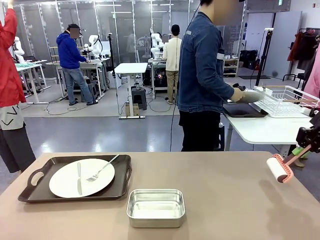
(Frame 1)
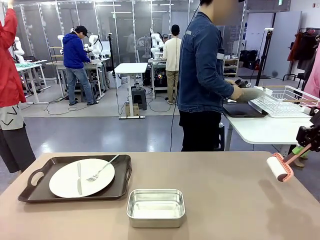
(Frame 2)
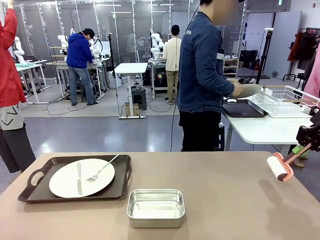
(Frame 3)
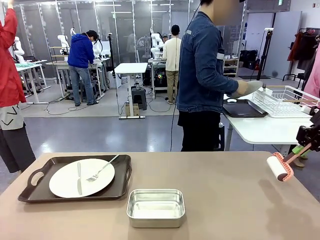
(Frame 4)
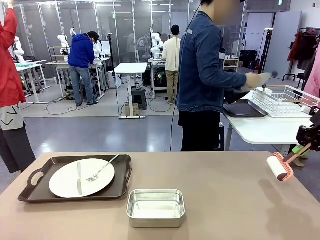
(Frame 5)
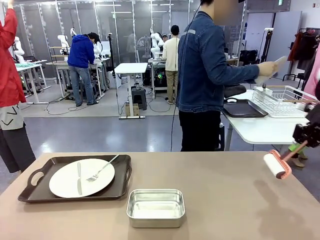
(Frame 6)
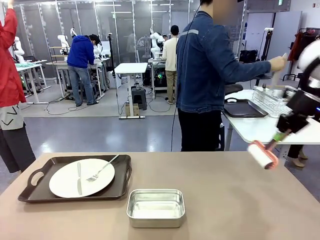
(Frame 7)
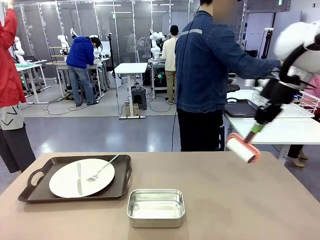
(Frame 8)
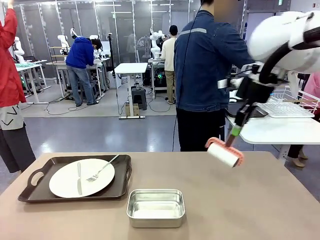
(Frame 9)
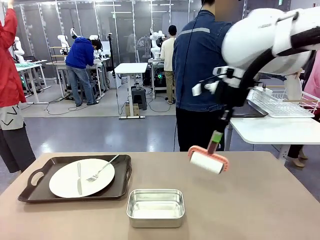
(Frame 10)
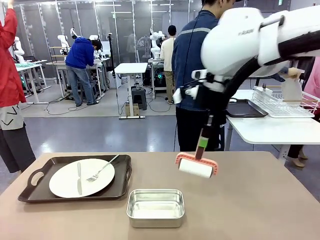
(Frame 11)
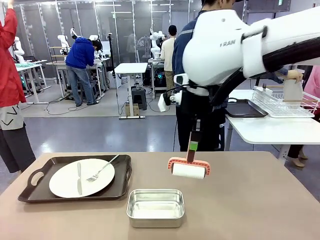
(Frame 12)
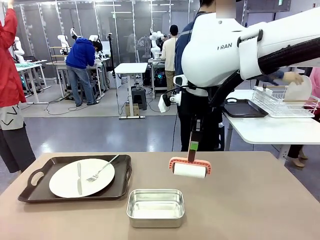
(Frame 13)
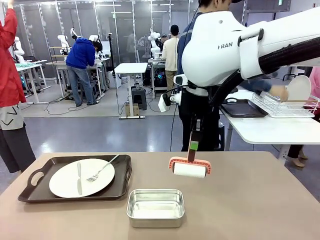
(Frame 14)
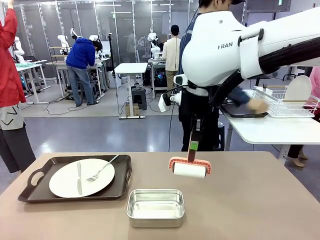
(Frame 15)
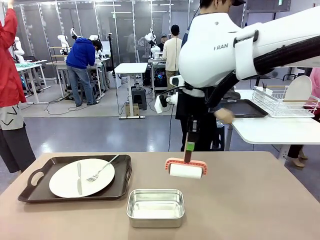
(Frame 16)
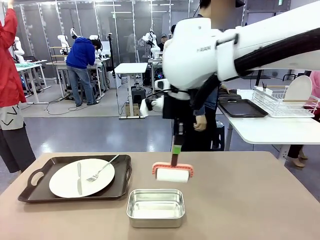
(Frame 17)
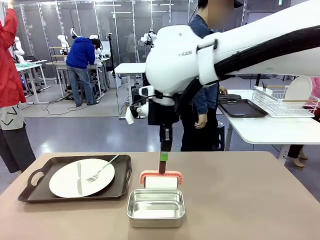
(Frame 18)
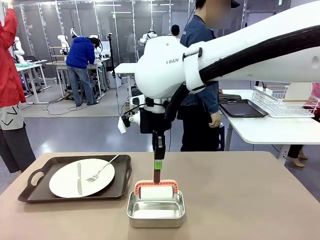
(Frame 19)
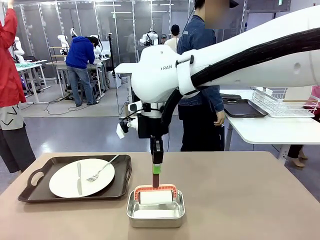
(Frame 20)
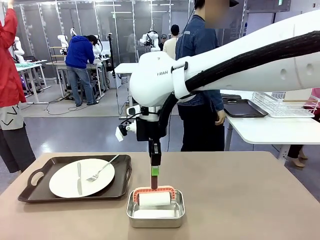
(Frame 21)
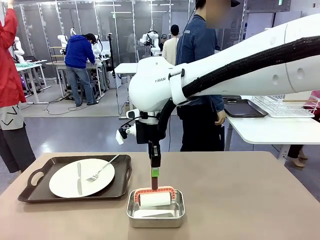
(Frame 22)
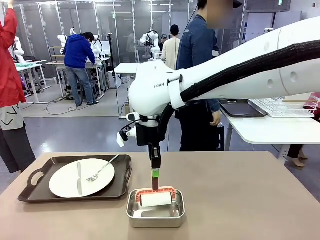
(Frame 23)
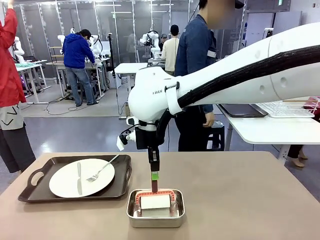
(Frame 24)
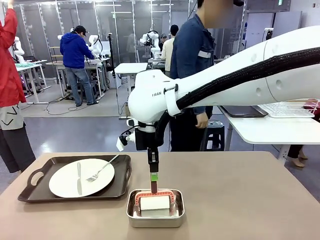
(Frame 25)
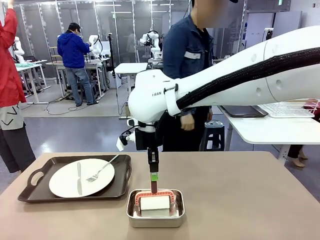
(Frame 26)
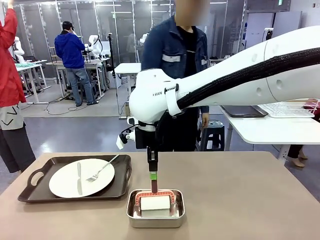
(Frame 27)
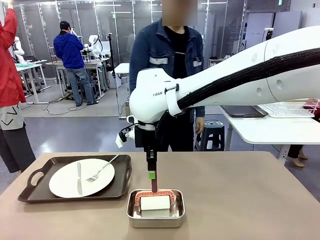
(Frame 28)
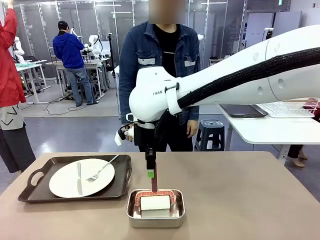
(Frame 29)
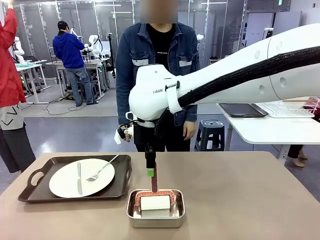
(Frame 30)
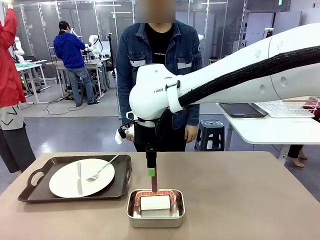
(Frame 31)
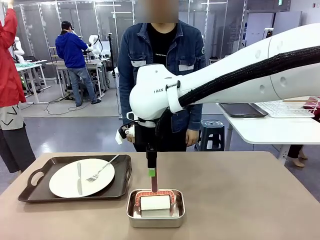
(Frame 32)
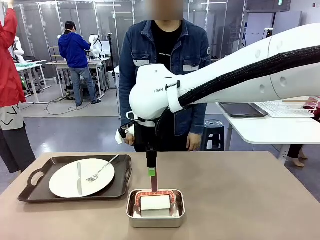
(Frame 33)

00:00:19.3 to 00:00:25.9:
Robot: Place the Lint Roller back on top of the Airtight Container.

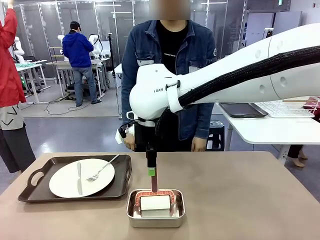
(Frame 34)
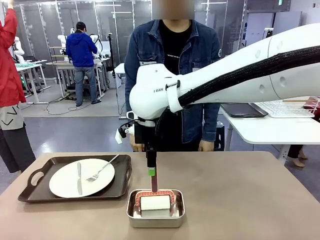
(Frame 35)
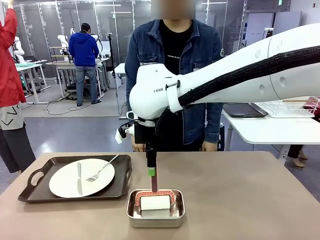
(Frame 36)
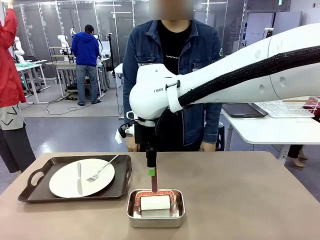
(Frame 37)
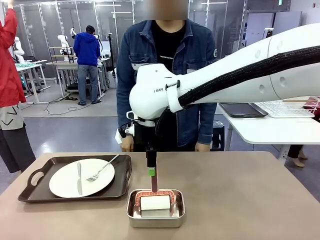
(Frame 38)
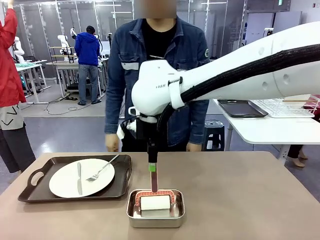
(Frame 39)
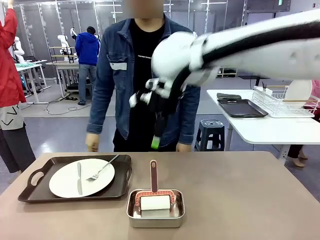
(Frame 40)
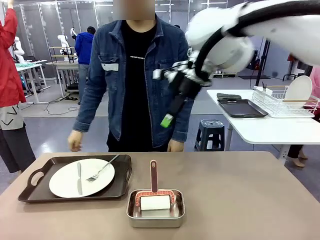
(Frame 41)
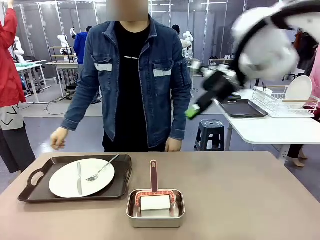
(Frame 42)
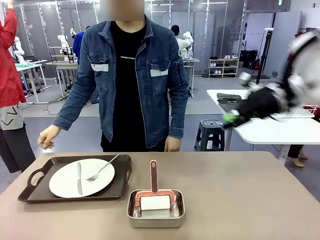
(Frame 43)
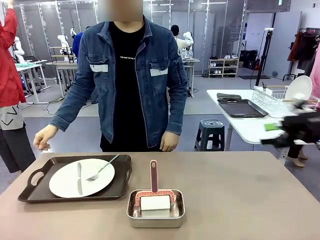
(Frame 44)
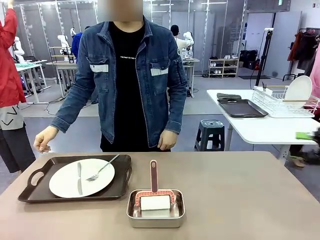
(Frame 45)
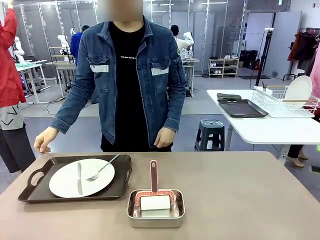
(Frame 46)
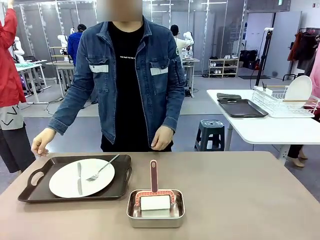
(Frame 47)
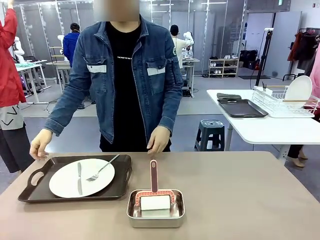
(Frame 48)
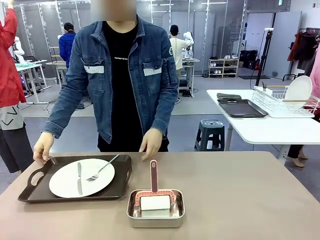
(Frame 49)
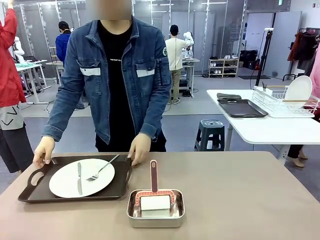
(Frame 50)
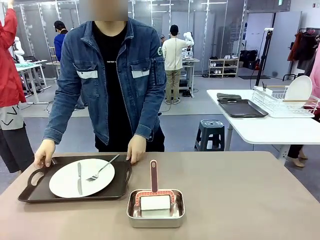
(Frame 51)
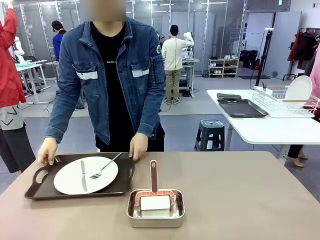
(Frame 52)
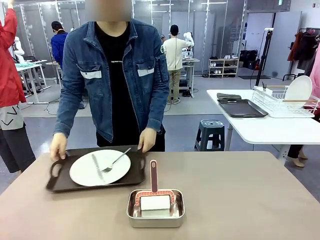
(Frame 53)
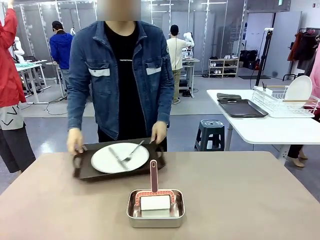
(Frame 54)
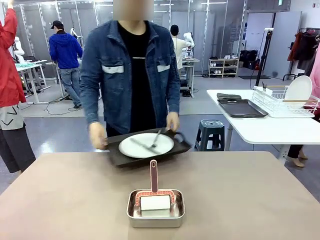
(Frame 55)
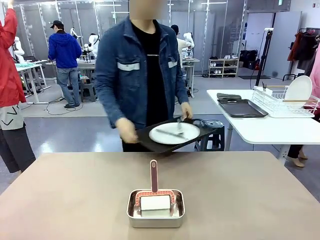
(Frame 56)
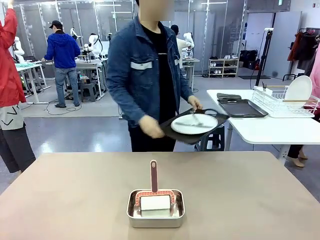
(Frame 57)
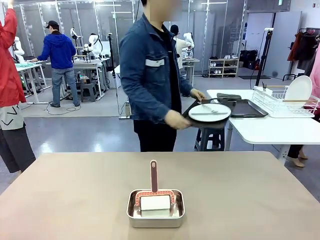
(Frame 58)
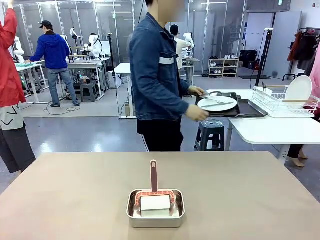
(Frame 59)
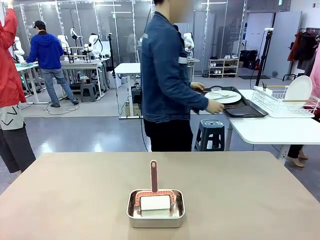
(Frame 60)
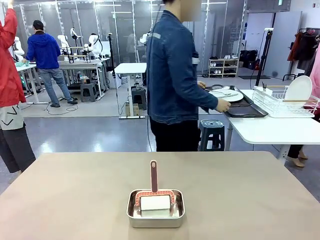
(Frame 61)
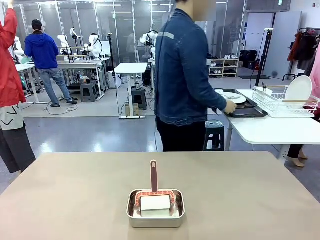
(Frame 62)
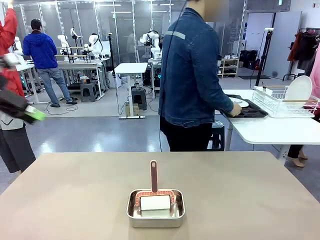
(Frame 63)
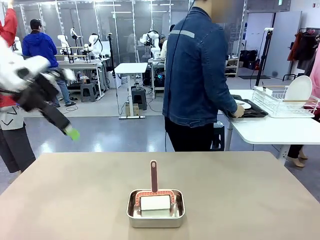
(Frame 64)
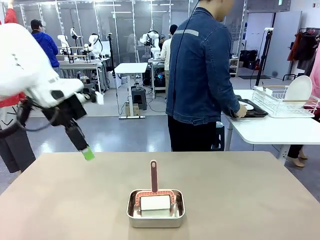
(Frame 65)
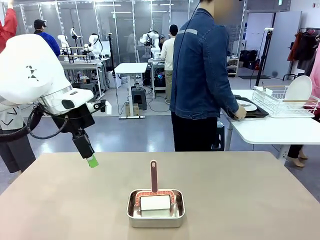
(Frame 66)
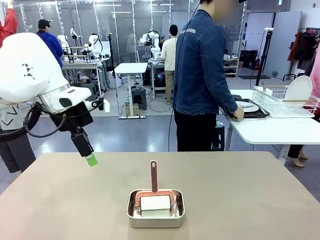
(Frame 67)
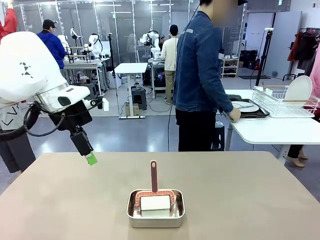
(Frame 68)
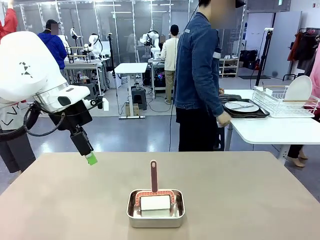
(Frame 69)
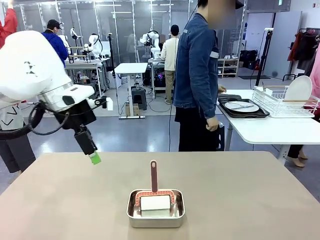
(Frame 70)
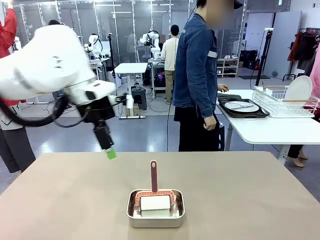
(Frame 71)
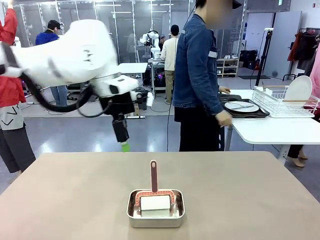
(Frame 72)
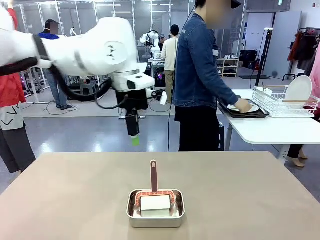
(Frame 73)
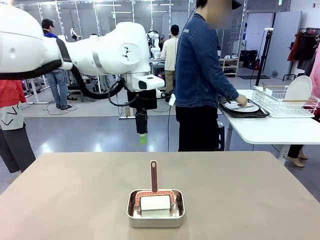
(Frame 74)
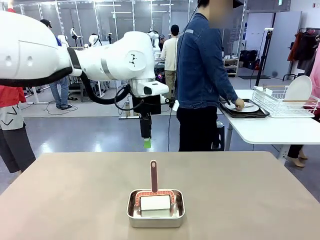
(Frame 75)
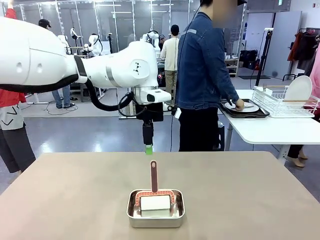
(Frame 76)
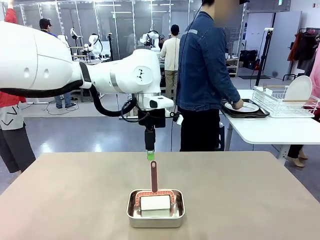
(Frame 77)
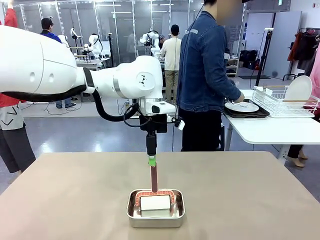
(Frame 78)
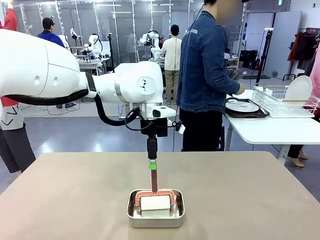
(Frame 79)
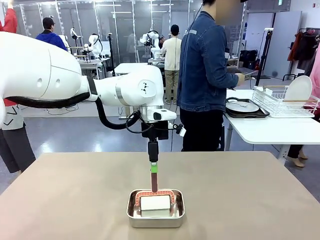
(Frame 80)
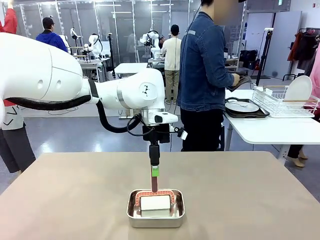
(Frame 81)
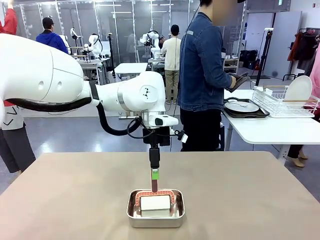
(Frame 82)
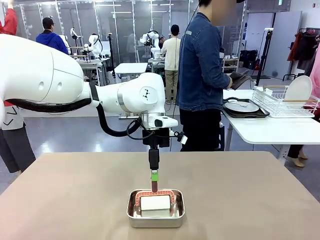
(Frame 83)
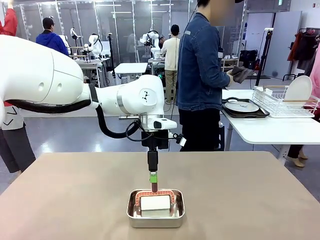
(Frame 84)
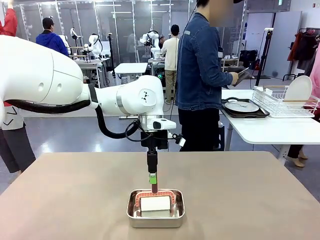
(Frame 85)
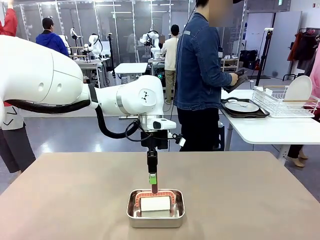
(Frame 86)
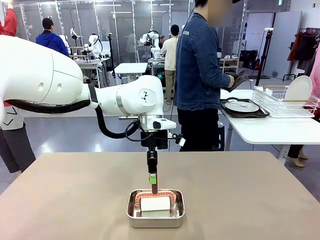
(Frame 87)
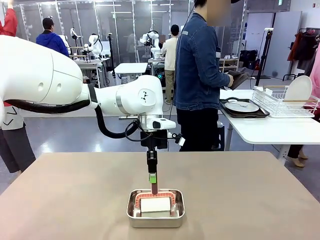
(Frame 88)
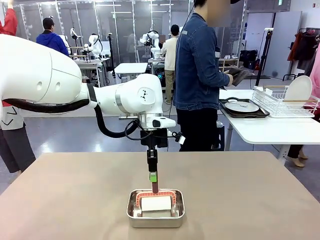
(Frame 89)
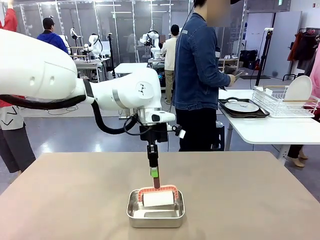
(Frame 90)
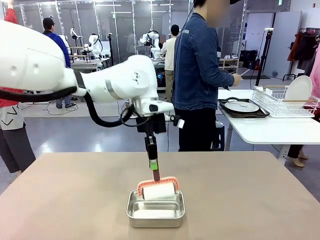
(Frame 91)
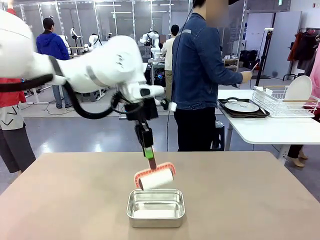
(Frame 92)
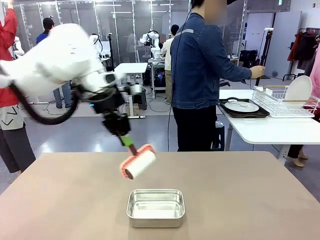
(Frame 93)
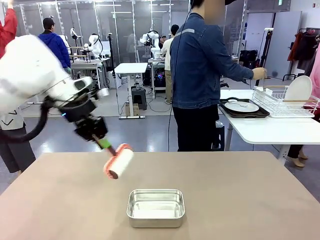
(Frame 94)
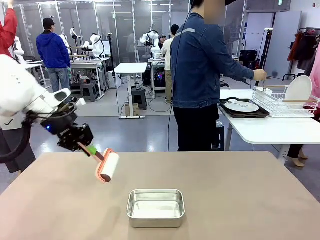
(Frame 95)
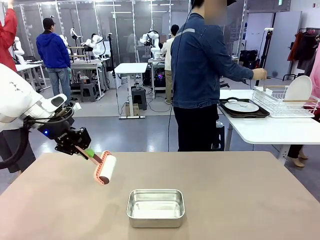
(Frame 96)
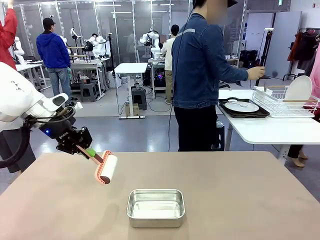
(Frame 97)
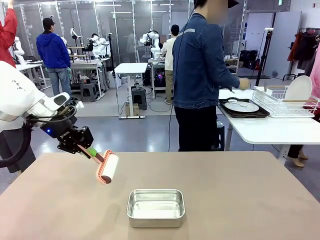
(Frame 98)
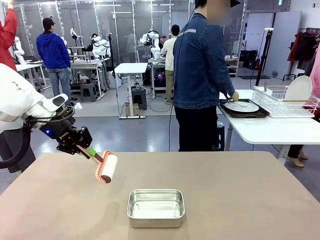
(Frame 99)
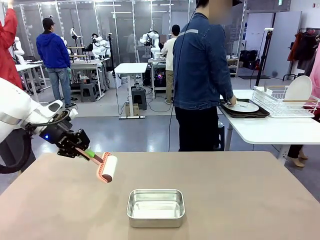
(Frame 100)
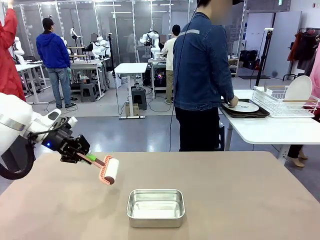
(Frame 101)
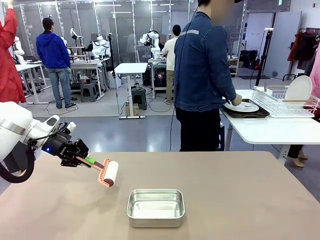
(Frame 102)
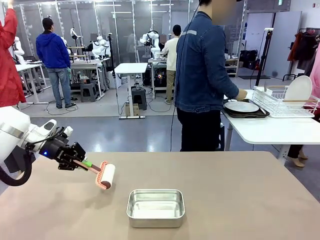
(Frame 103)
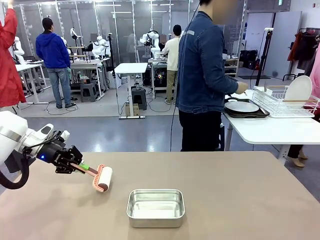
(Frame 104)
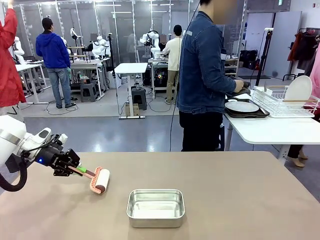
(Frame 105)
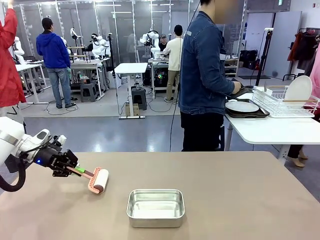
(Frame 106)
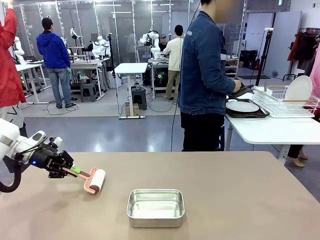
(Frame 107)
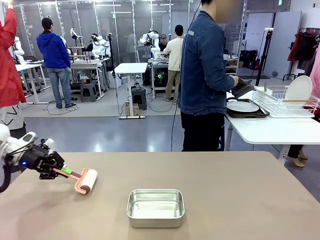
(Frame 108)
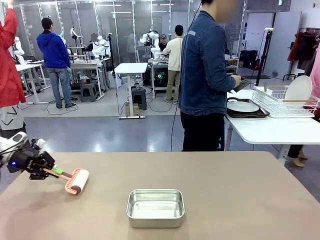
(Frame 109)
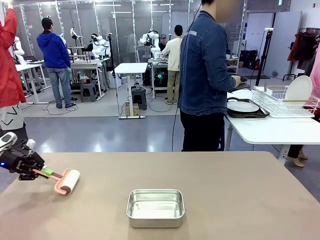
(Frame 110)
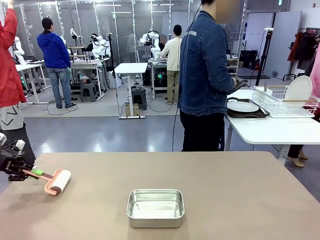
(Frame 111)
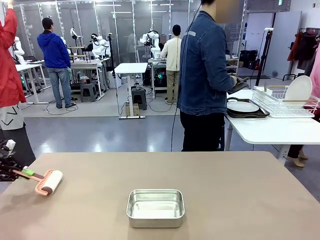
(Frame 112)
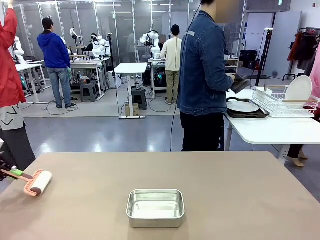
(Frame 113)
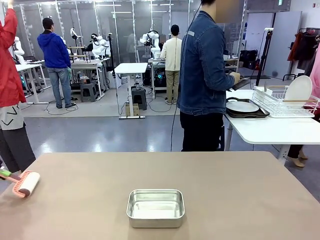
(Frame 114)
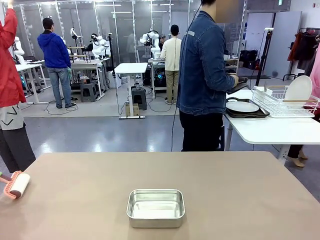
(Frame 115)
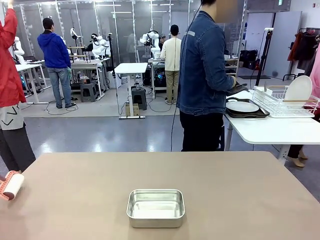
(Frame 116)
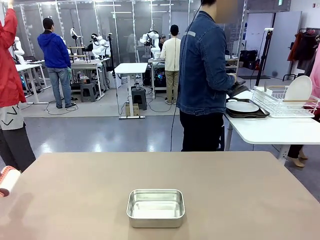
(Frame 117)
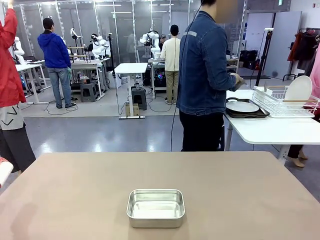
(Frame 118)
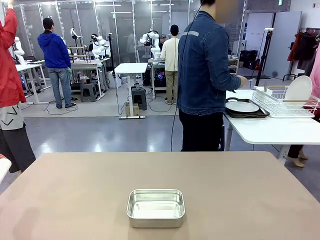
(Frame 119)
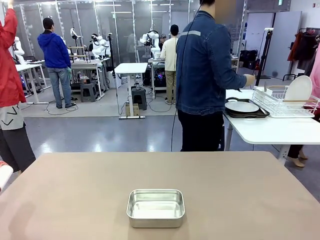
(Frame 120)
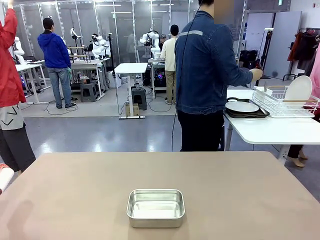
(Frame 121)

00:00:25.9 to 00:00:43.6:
Robot: When the right (or left) Handle tray is removed, use the right hand (or left hand) to clean the right (or left) side of the table with the Lint Roller.
Person: Pick up the left (or right) Handle tray and place it on the Handle tray.
